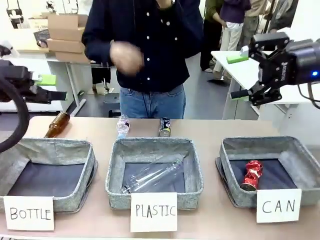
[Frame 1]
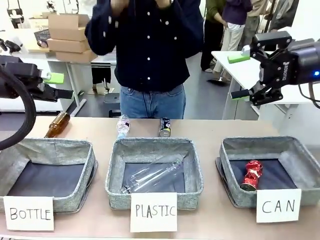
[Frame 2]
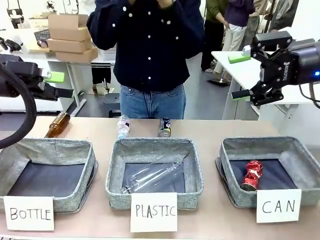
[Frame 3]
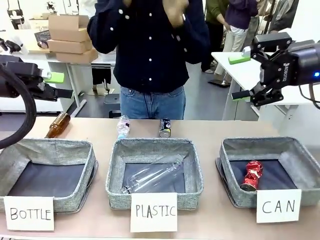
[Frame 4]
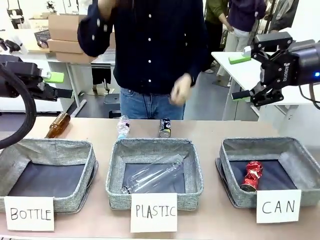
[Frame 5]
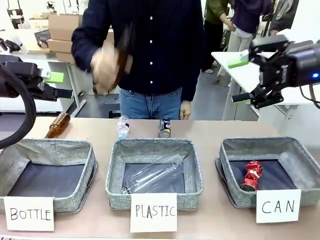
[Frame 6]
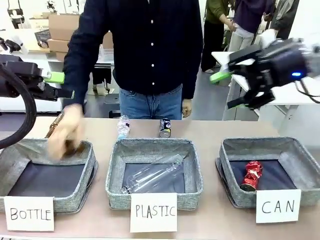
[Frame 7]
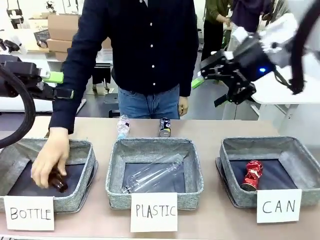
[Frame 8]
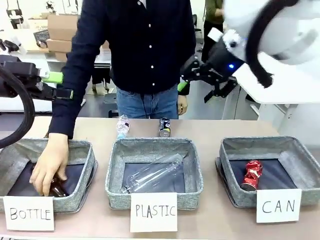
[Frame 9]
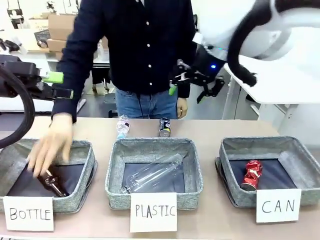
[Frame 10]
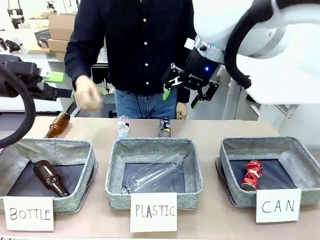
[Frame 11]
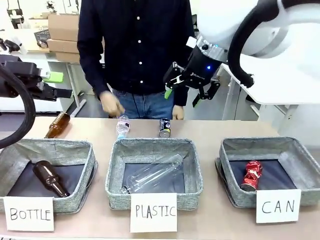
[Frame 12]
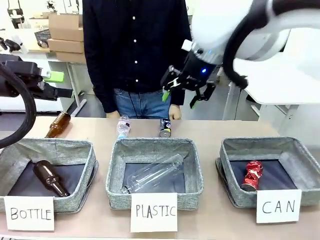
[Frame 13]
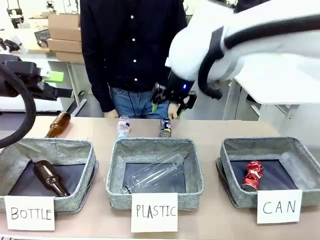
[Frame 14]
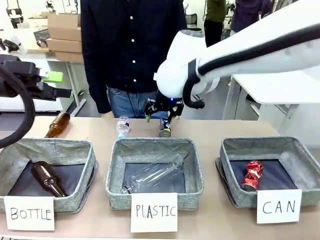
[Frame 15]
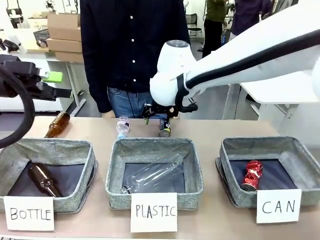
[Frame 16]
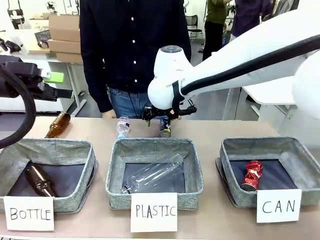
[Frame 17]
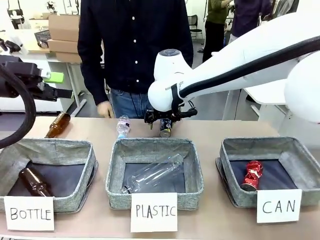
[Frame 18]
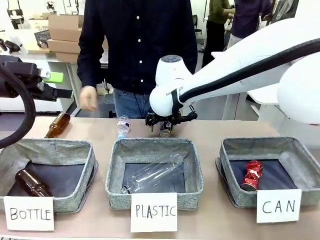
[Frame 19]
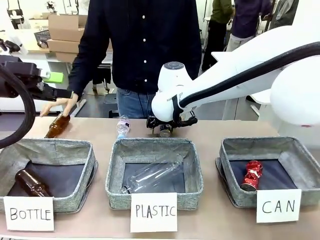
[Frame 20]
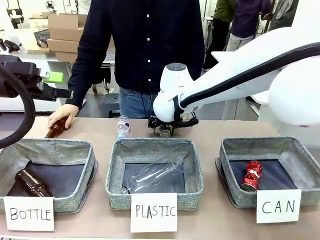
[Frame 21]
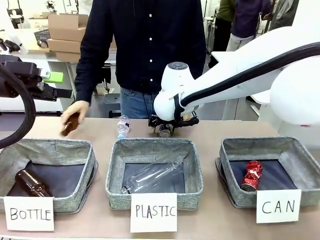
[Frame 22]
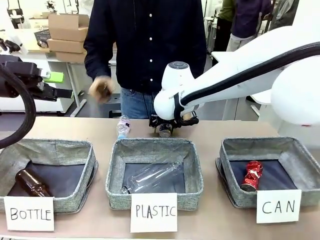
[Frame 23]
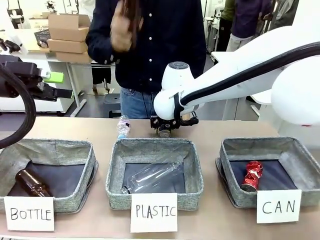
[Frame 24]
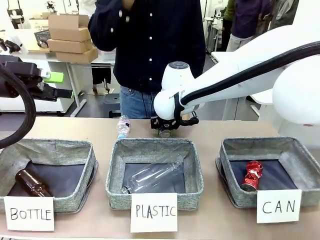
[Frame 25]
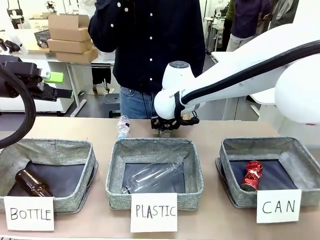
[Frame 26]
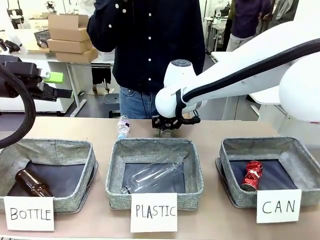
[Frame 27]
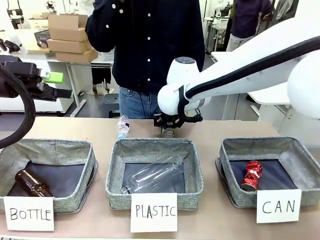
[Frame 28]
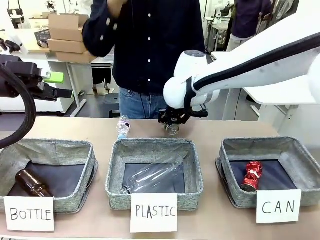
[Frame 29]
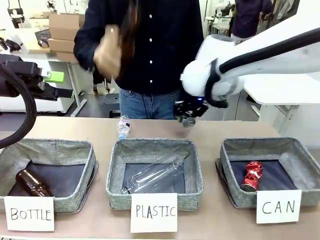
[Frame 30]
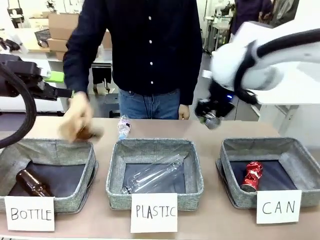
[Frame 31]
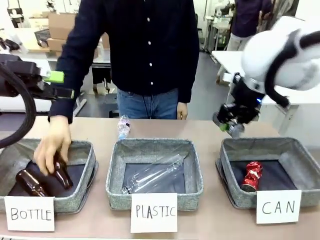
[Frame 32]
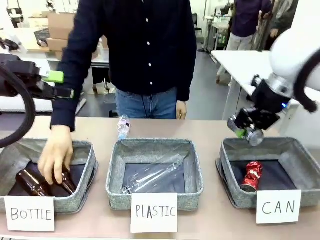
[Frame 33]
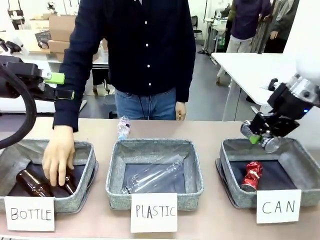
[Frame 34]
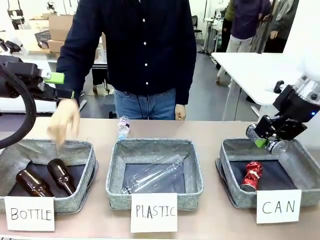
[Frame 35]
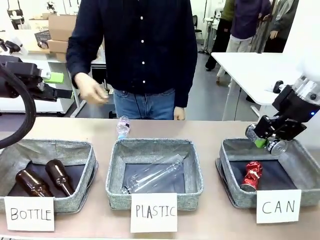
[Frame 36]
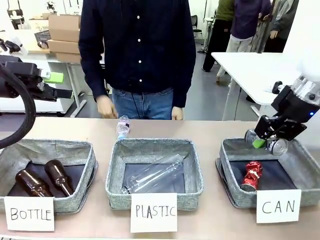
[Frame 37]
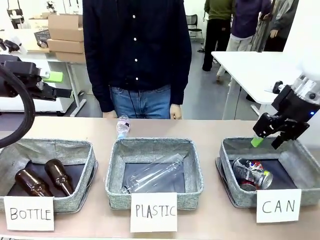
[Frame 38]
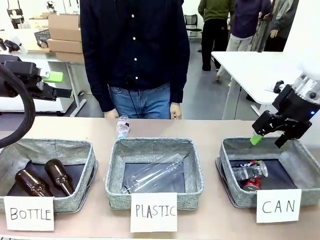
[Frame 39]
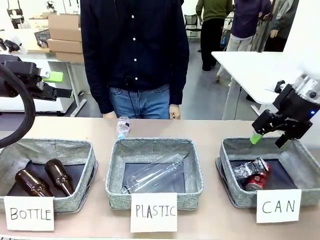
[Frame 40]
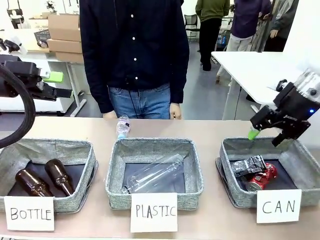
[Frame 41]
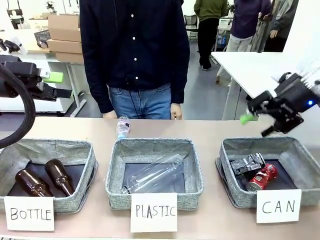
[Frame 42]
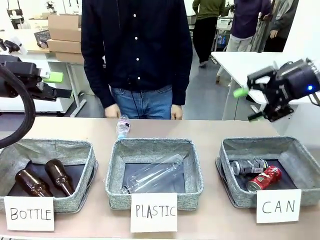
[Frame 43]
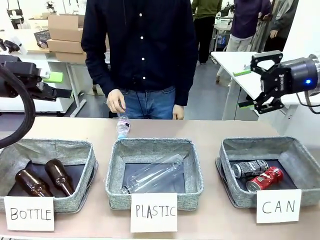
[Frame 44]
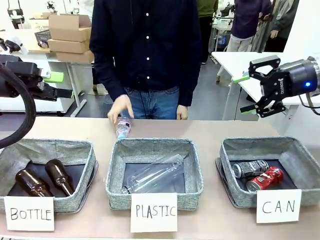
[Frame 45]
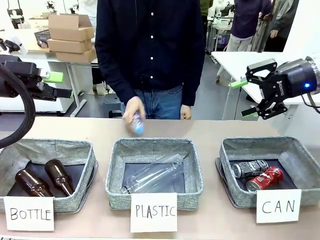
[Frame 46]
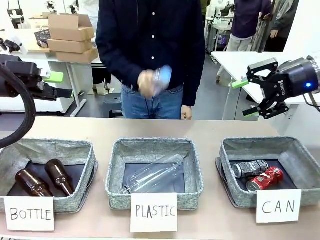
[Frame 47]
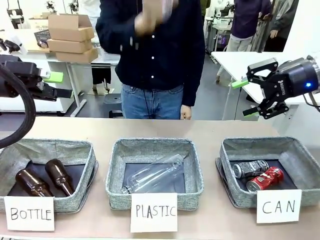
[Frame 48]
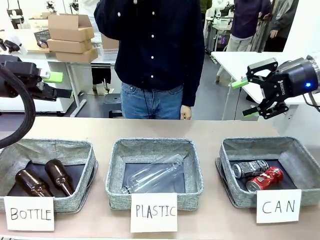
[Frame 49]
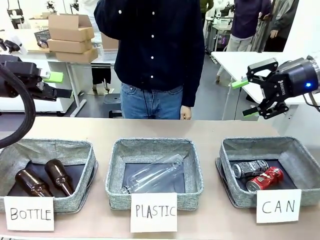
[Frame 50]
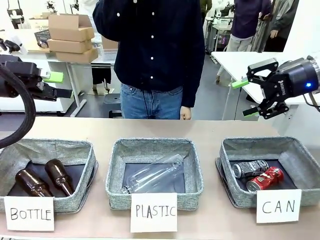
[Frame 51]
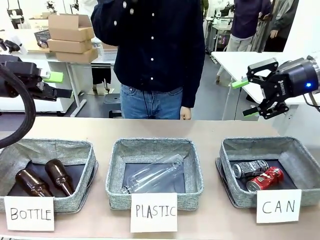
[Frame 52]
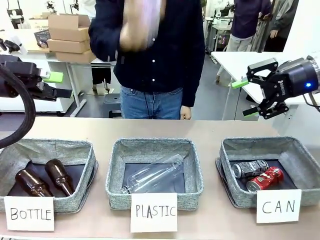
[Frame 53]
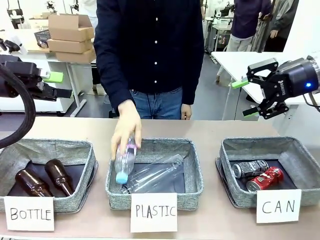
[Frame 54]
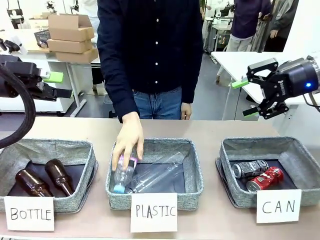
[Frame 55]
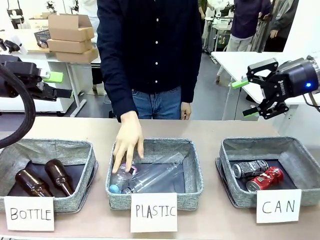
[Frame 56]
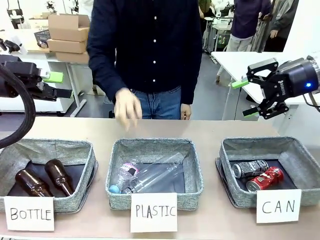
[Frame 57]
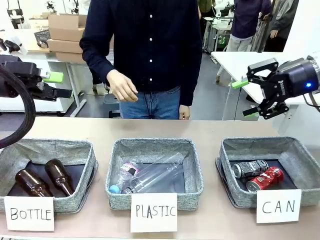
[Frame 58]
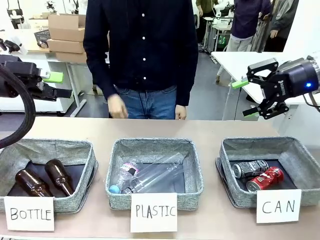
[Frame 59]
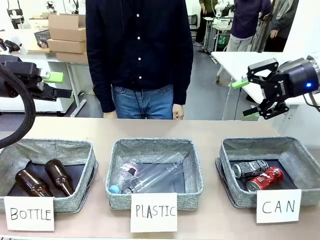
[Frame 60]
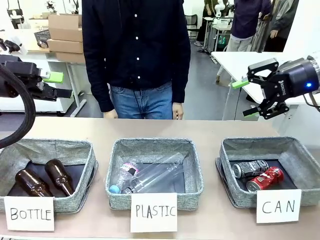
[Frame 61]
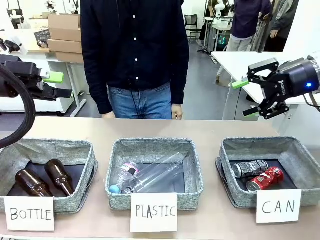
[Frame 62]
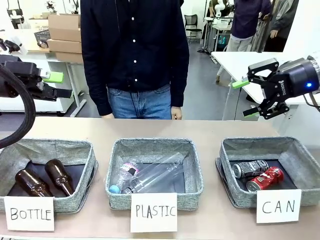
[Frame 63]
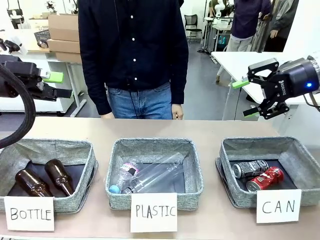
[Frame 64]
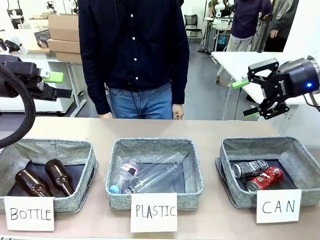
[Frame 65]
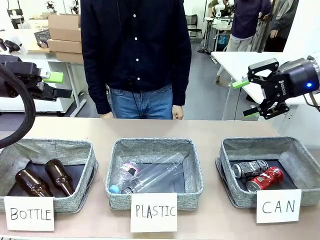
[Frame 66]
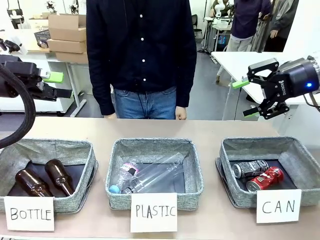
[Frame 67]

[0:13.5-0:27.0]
Task: Sort the can waste into the basket.
Robot: Pick up the can waste from the table and place it in the right Fabric basket.

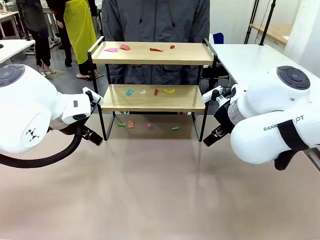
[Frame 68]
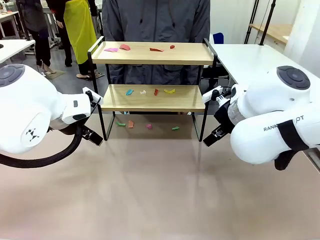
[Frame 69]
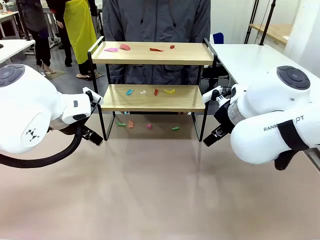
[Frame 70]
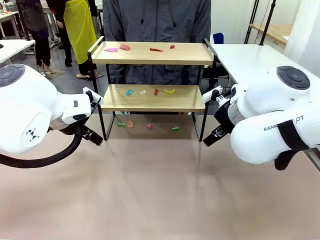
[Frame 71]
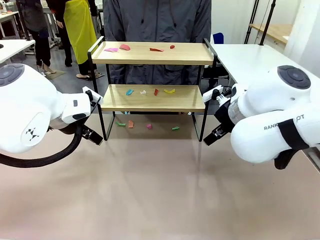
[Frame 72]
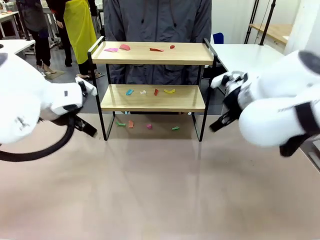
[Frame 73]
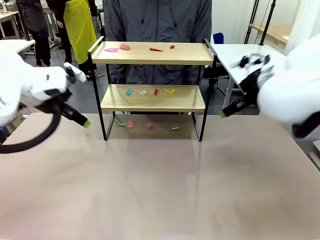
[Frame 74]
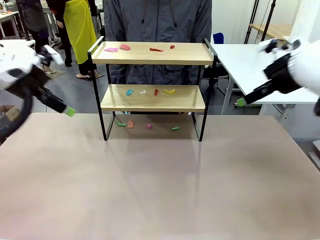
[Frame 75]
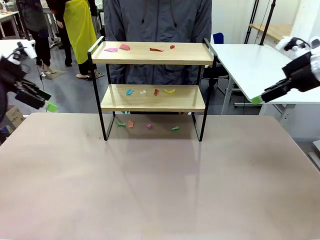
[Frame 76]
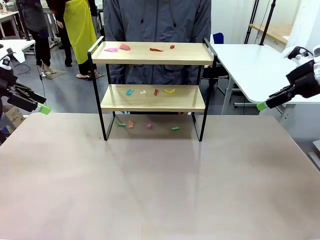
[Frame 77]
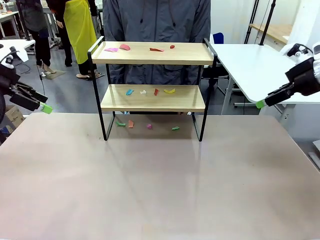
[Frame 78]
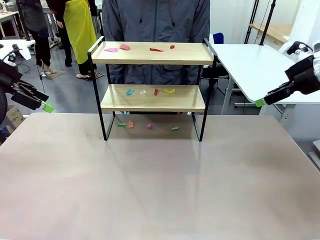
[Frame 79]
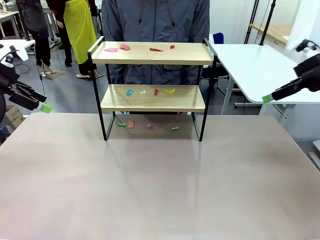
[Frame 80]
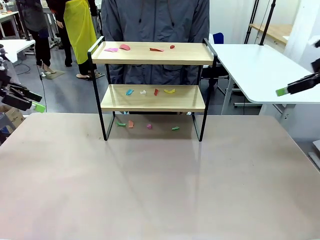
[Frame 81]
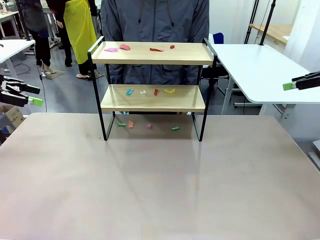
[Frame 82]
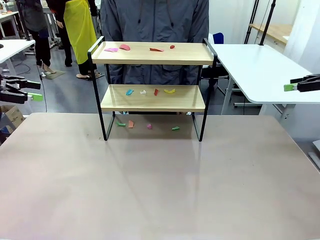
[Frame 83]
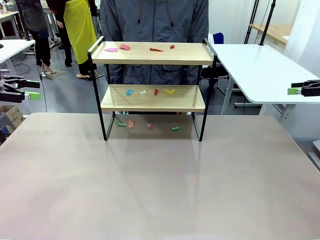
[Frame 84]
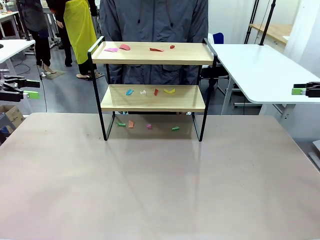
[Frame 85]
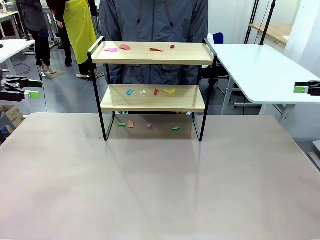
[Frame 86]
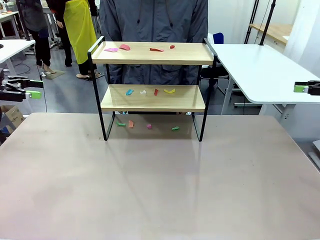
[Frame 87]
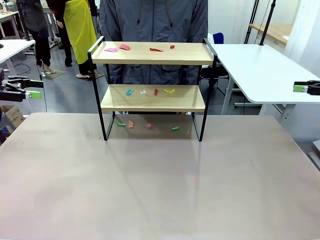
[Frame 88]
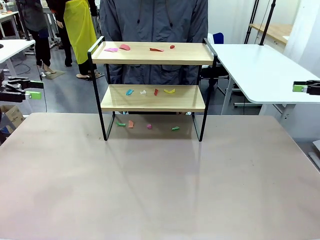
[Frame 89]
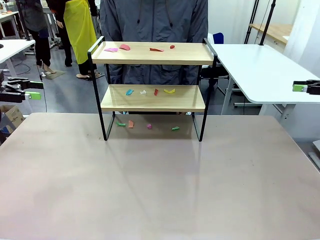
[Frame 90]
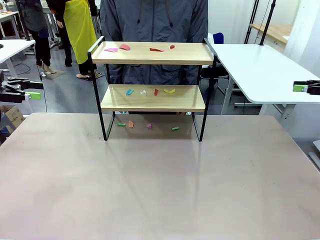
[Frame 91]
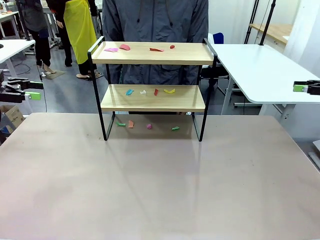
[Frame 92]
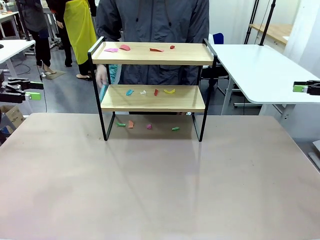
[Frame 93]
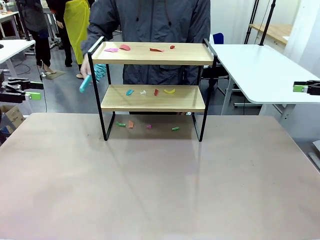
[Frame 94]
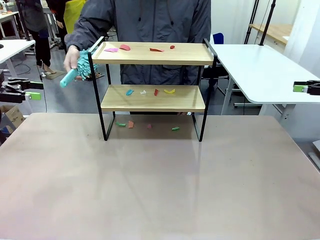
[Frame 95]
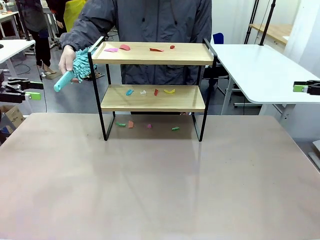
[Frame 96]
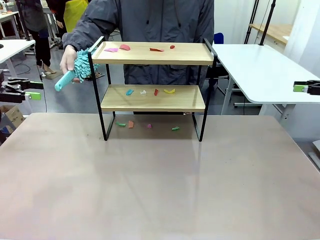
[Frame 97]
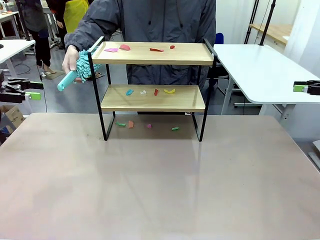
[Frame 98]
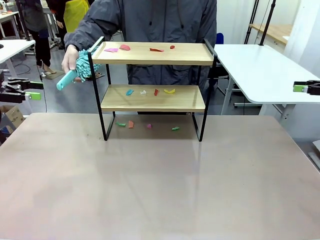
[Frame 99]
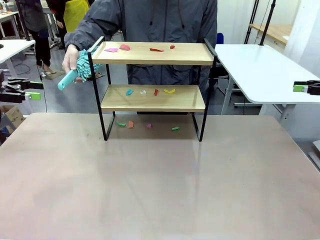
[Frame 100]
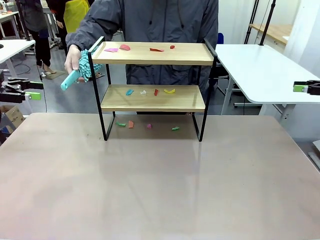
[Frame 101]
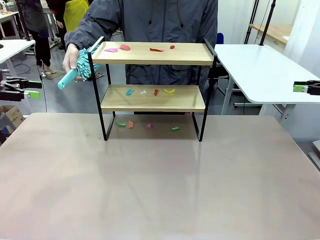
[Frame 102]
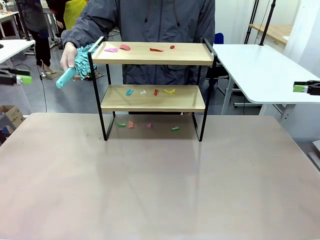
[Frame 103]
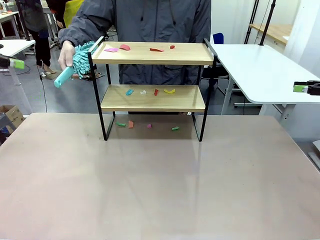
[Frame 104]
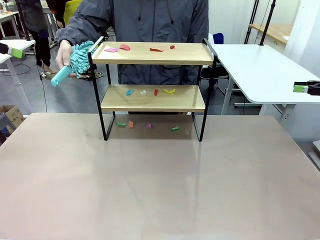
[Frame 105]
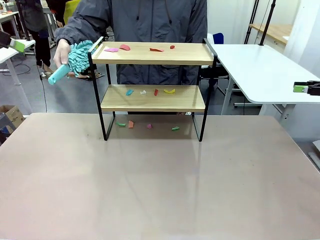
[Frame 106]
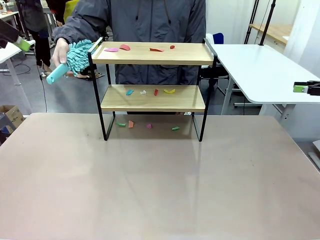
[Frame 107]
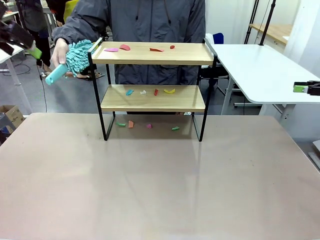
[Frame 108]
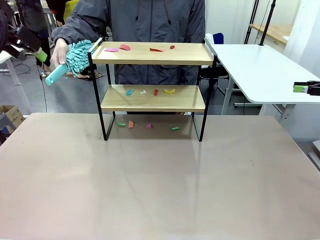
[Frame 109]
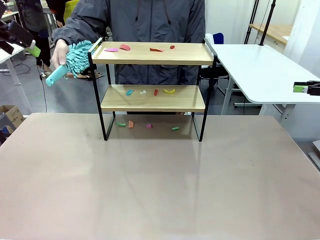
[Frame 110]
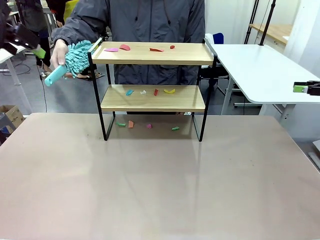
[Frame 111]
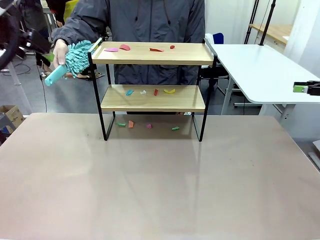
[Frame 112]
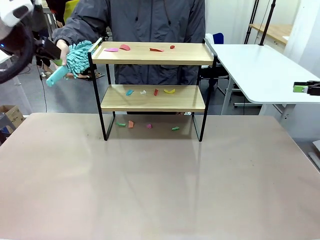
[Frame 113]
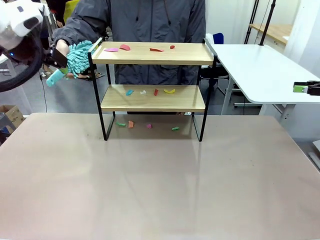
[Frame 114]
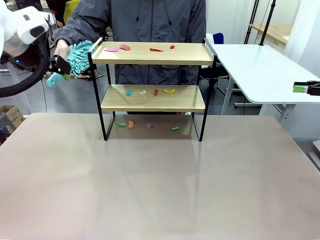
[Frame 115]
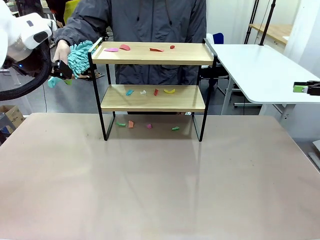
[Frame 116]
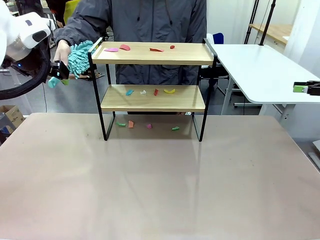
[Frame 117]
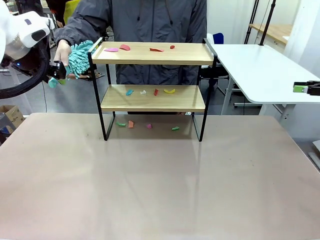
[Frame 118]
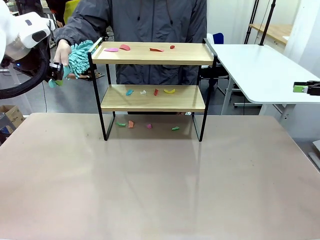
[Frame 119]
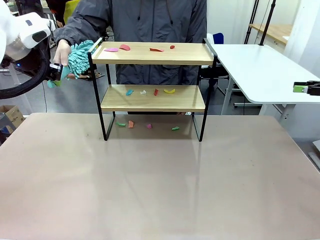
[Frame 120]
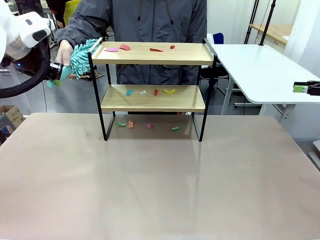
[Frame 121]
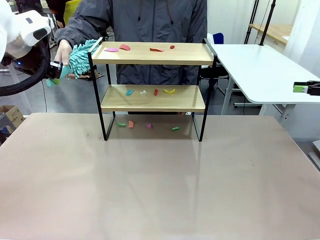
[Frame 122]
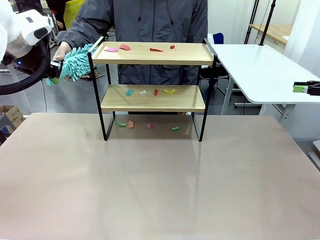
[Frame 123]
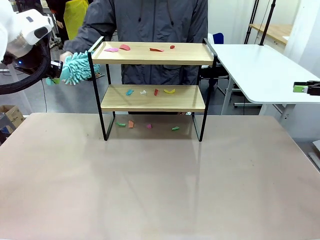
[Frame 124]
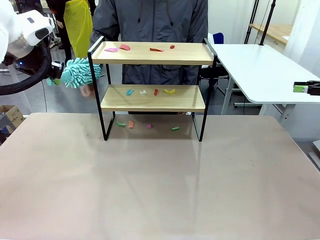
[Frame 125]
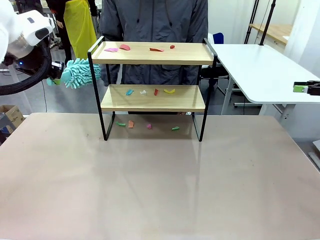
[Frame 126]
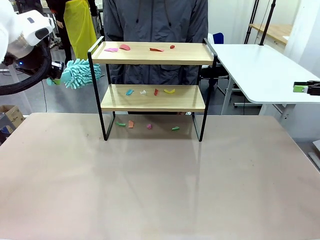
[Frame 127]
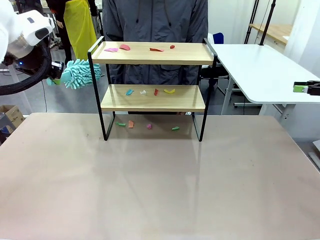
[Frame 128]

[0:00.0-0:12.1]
Task: Clean the shelf.
Robot: Pick up the Duster handed by the human.
Person: Hand the Duster to the robot.
